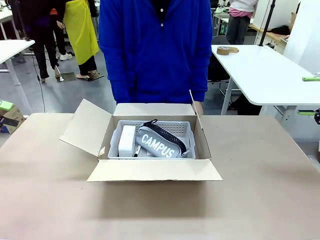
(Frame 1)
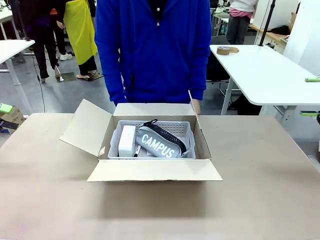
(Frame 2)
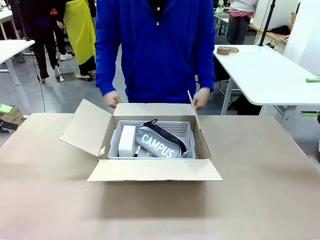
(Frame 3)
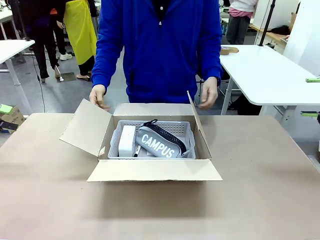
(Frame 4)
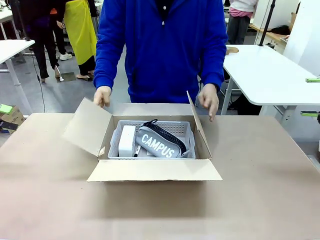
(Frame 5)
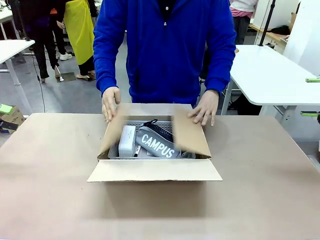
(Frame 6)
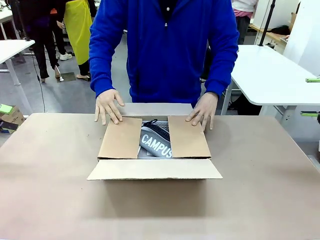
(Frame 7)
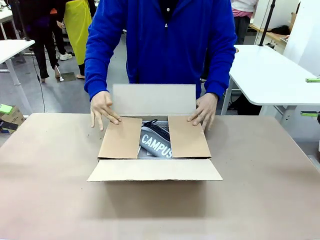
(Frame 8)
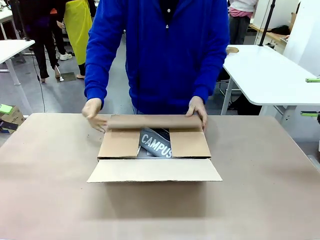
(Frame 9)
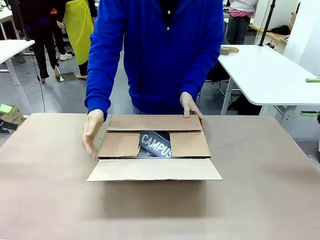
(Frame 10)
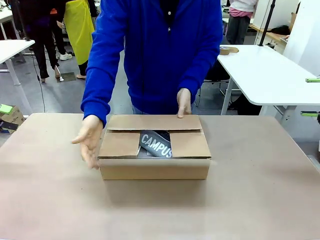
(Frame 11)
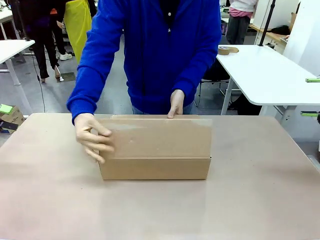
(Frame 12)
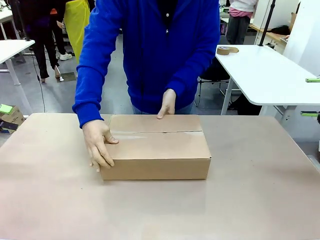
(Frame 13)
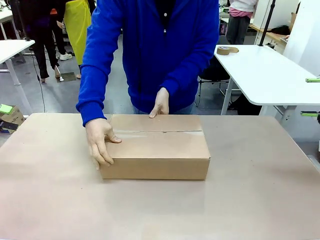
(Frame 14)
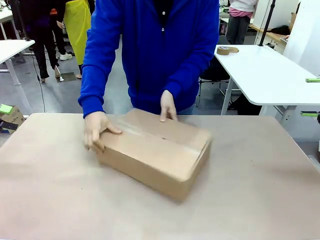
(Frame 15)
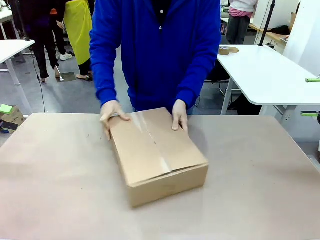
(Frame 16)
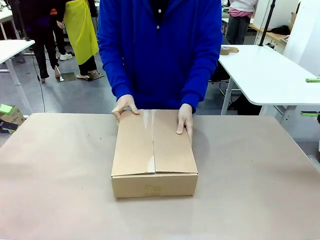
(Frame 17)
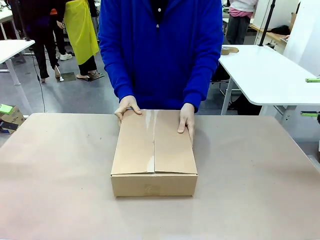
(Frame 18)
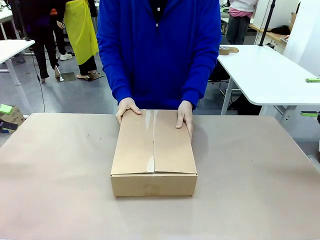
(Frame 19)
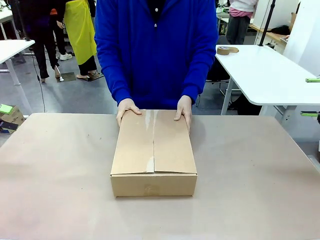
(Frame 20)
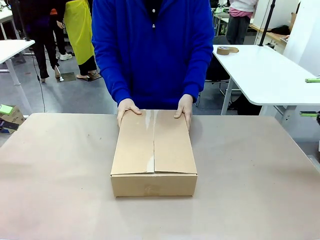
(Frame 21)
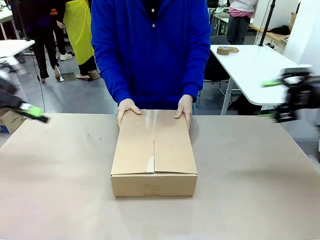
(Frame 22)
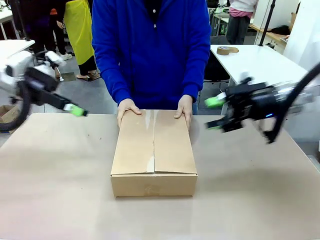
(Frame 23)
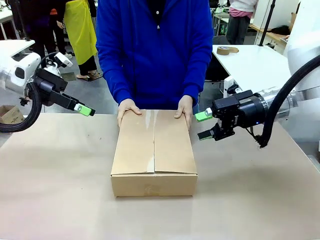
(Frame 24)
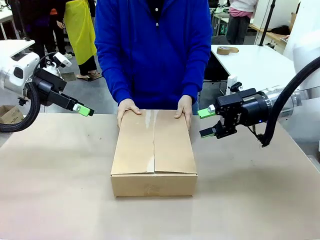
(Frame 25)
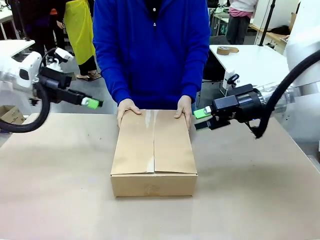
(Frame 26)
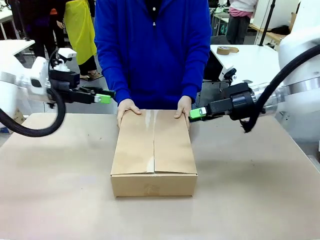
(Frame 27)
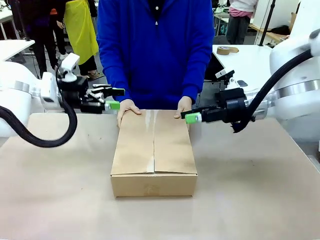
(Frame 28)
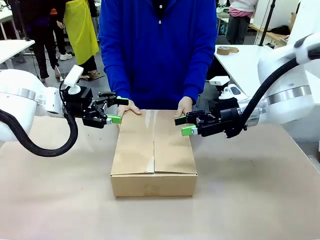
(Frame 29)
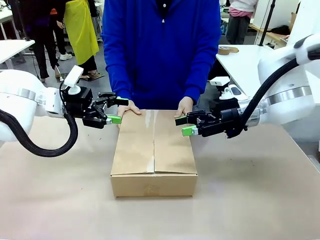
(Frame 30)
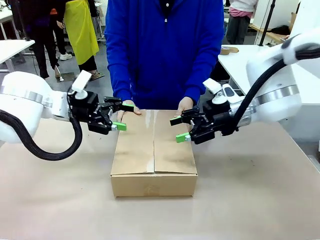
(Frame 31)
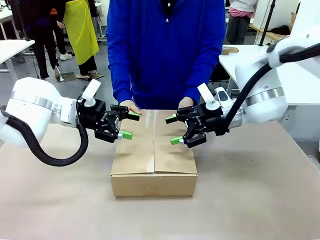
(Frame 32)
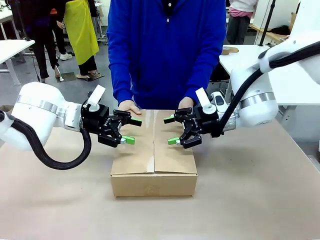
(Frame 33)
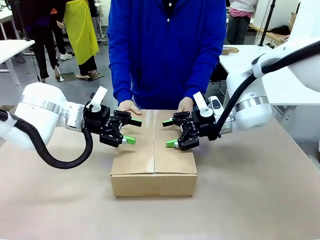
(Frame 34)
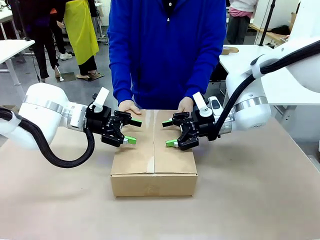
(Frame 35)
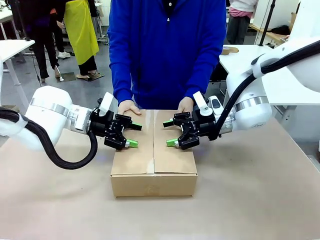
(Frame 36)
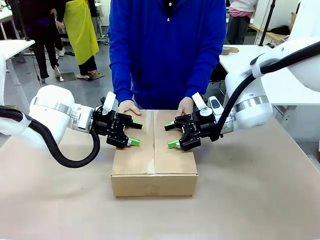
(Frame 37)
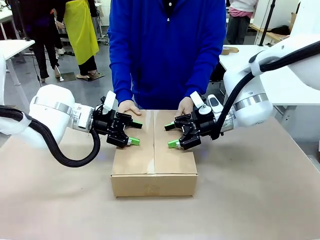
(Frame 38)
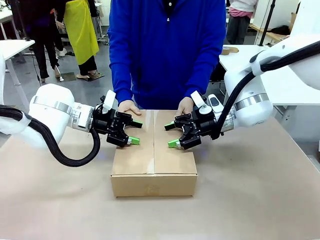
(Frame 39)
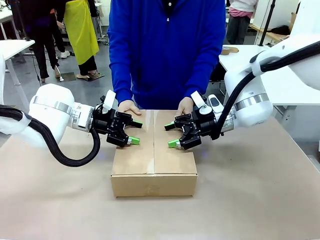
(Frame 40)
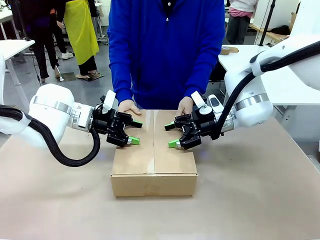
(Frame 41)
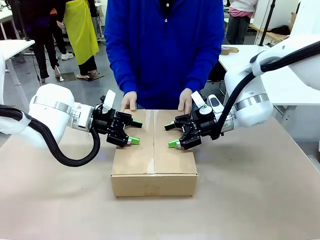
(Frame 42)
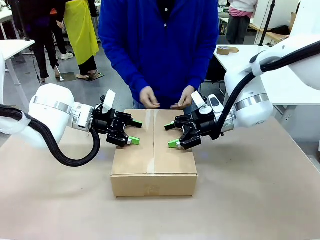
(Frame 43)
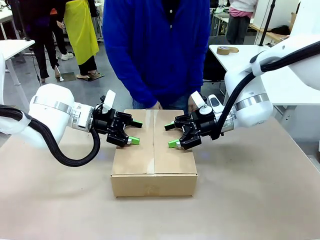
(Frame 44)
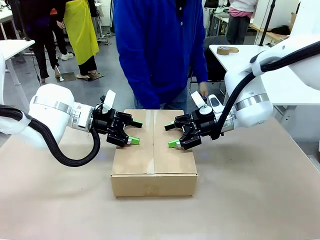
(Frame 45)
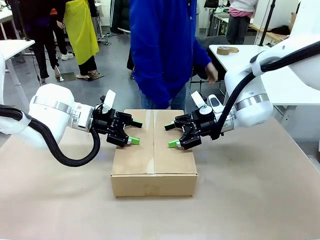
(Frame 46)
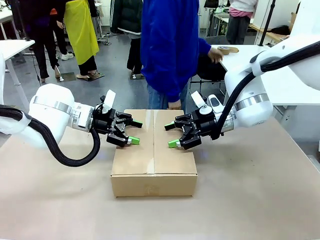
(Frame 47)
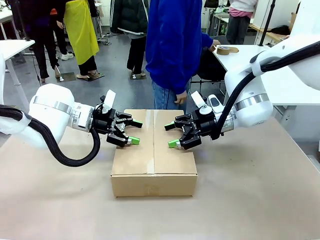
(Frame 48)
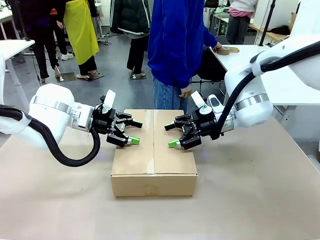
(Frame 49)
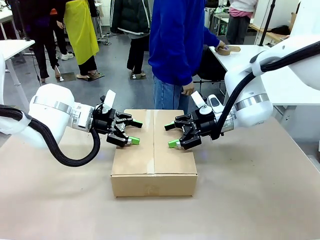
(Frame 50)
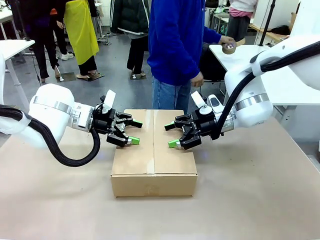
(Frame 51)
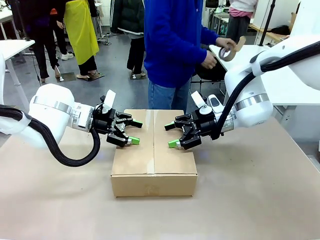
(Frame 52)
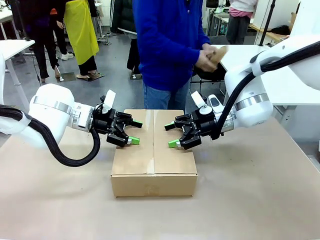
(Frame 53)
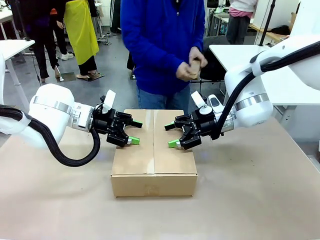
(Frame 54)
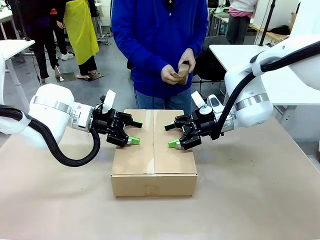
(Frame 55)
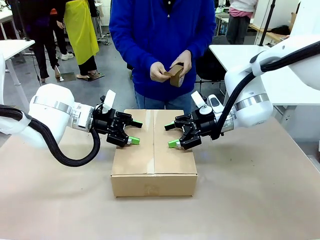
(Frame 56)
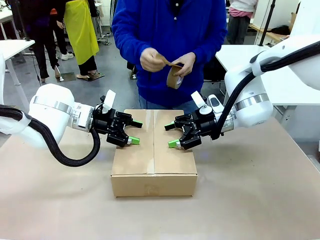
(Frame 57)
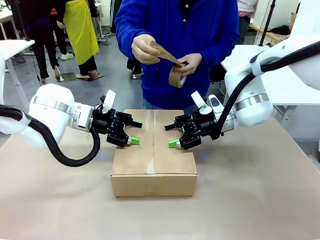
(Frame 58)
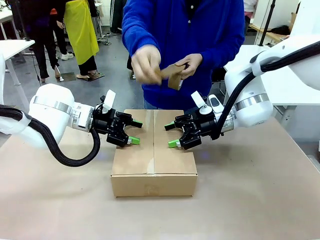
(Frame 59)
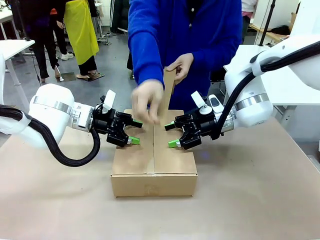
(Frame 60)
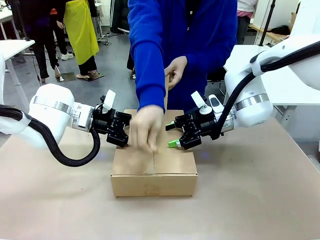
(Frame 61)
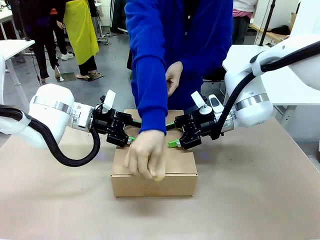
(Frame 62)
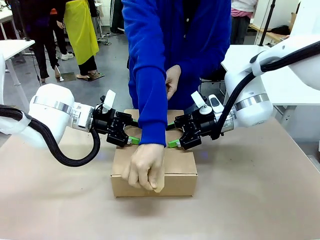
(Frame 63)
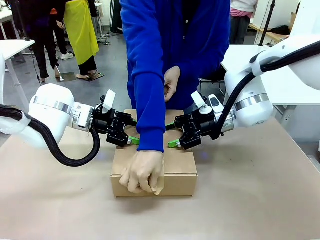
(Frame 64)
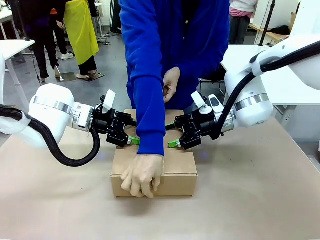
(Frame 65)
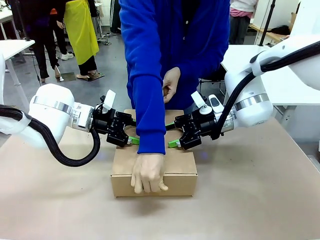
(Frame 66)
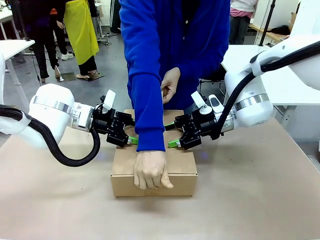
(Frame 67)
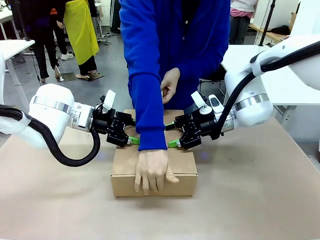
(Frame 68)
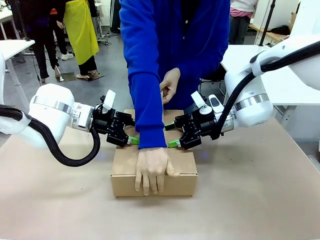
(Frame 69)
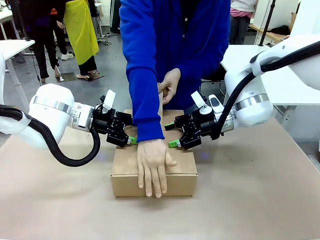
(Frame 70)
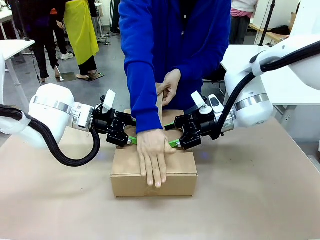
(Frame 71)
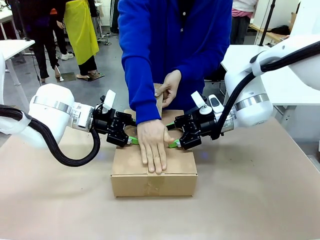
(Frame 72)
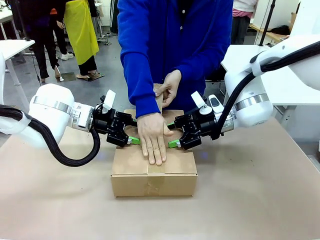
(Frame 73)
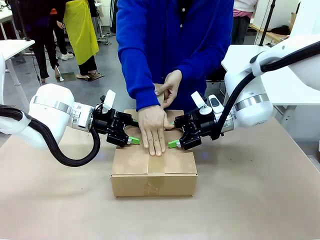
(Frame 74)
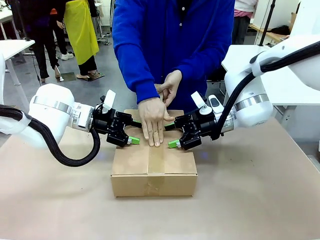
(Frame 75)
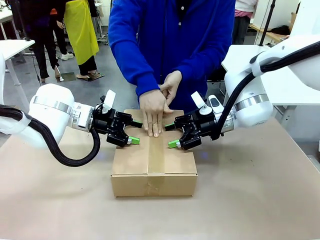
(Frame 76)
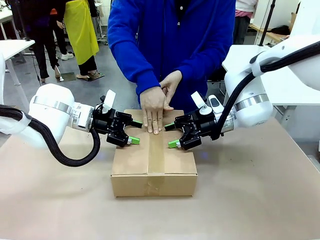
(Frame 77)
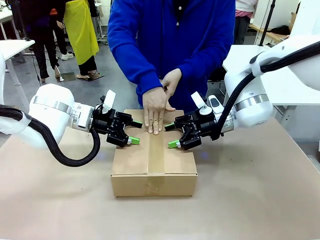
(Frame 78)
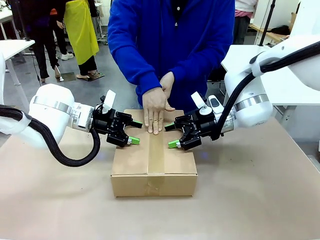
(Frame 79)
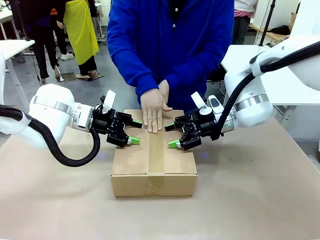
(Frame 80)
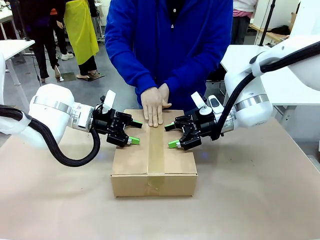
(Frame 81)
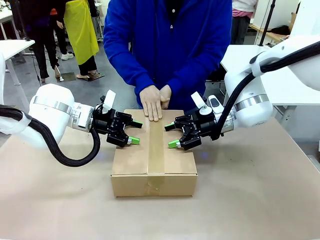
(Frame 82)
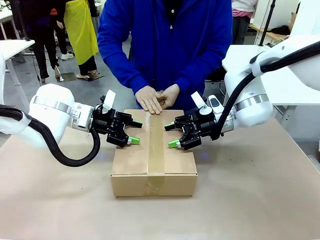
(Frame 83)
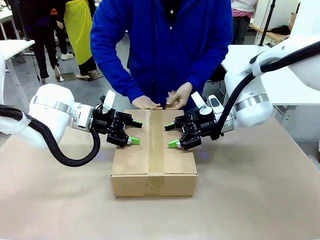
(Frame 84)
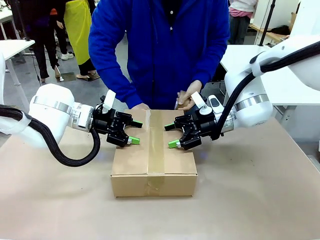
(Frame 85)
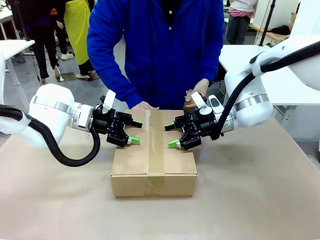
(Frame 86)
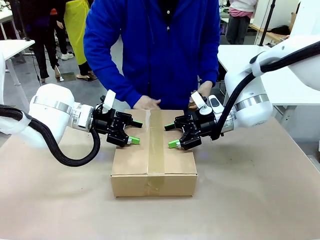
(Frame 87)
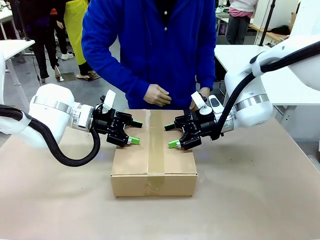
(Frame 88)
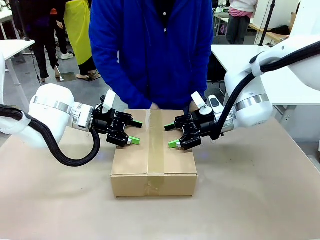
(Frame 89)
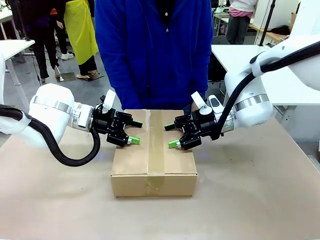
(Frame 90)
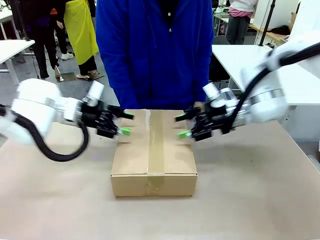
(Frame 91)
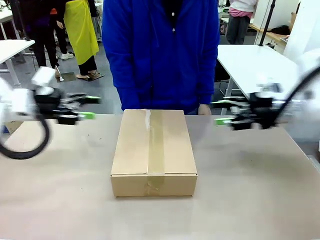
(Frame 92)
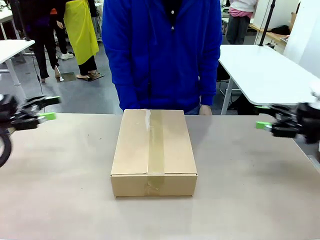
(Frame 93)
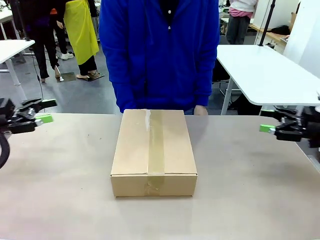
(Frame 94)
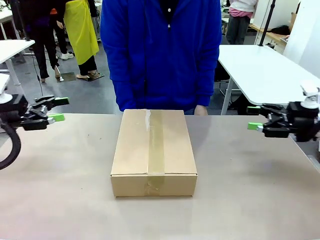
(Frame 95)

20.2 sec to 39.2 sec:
Task: Pack the gift set into the box.
Robot: Press and hold the closed box until the human finishes sealing it.
Person: The human closes the box and rotates the box by 90 degrees. The human picks up the paper tape from the human table and packs the box.
